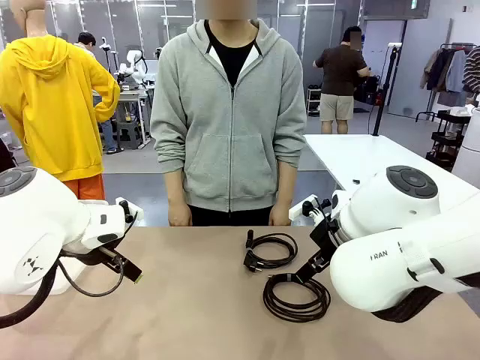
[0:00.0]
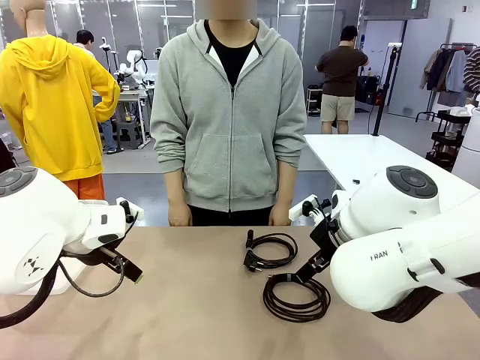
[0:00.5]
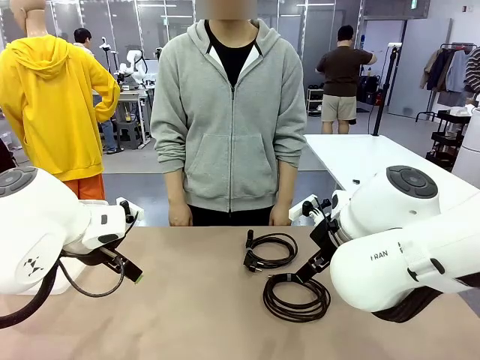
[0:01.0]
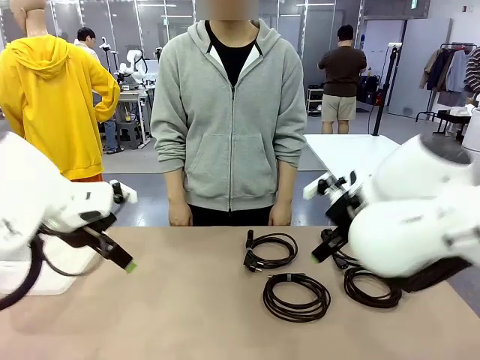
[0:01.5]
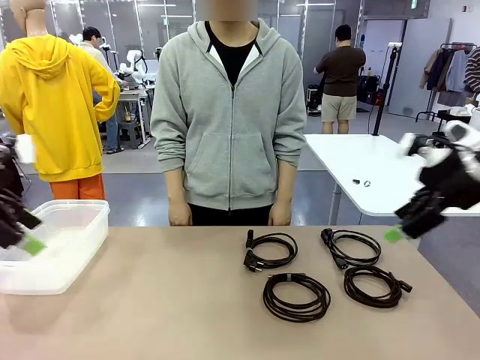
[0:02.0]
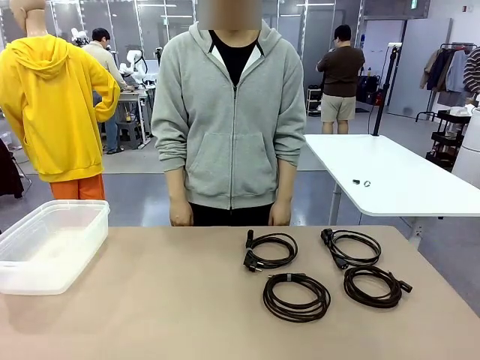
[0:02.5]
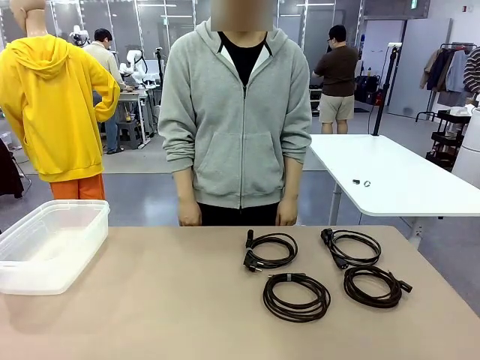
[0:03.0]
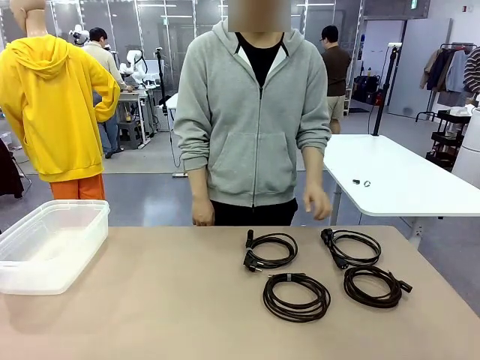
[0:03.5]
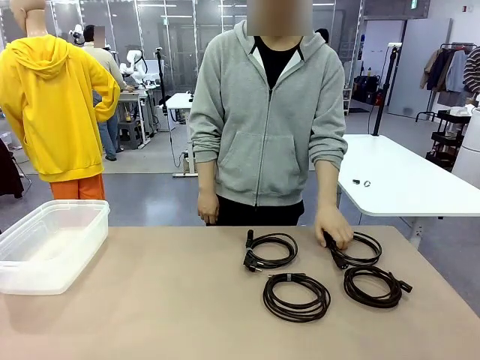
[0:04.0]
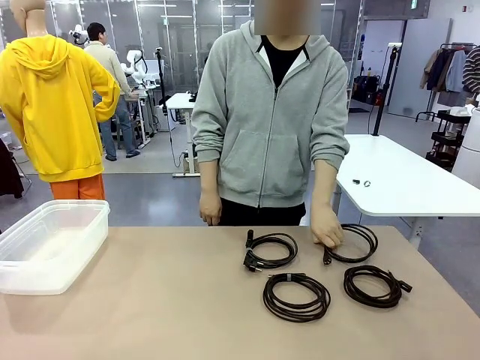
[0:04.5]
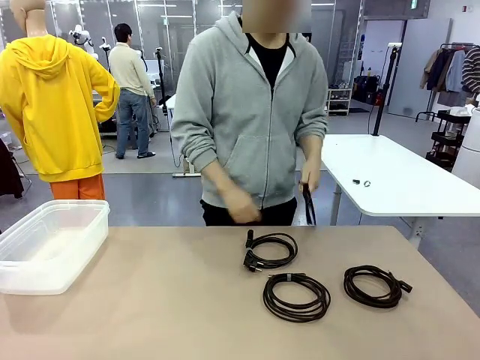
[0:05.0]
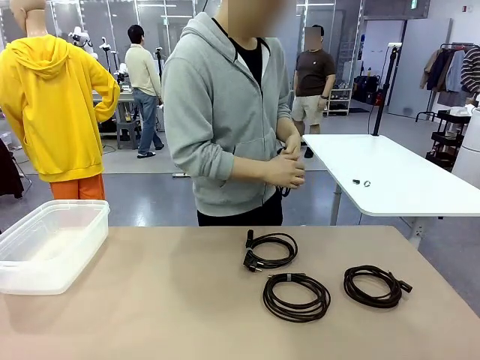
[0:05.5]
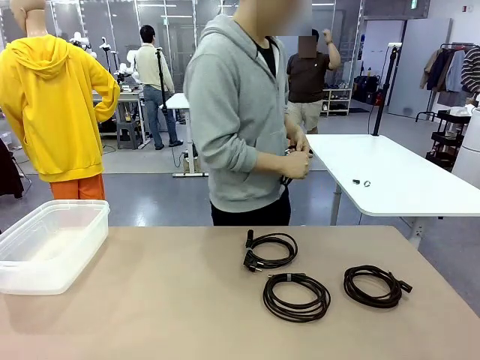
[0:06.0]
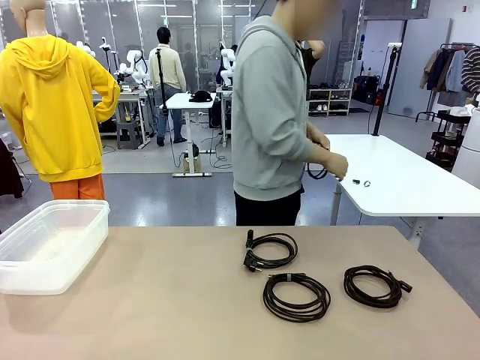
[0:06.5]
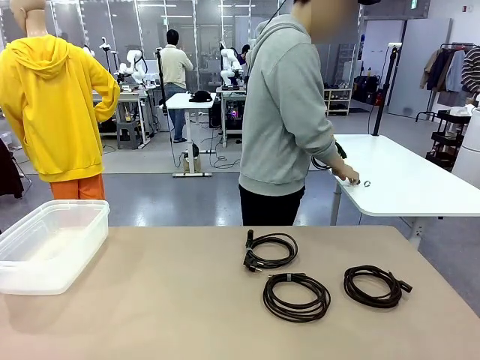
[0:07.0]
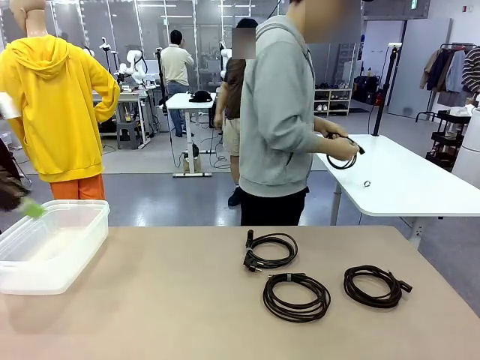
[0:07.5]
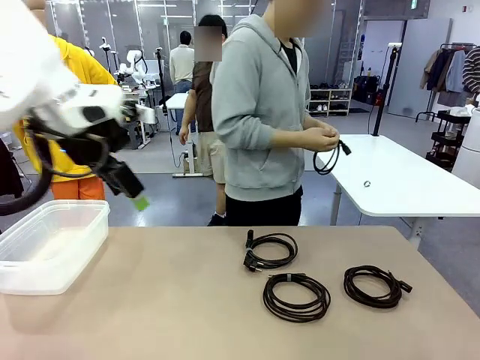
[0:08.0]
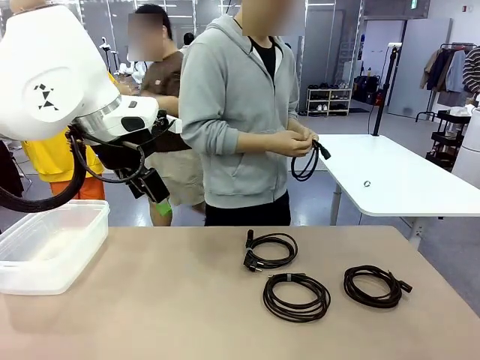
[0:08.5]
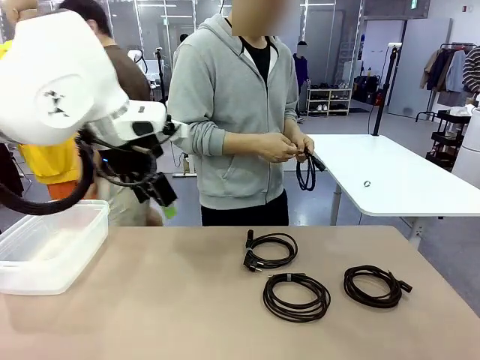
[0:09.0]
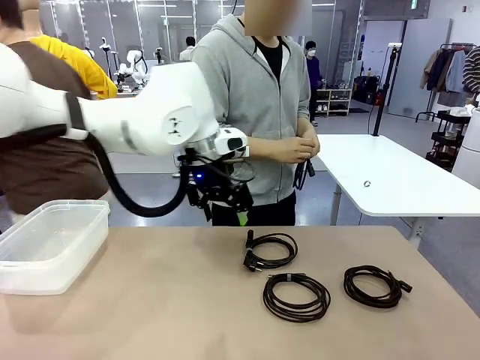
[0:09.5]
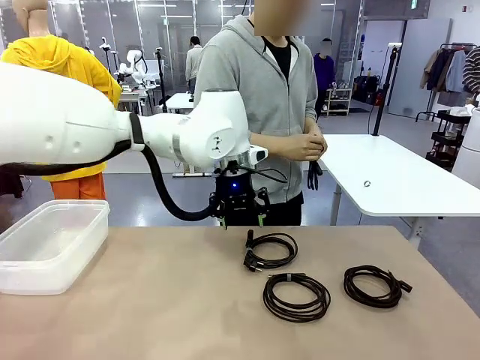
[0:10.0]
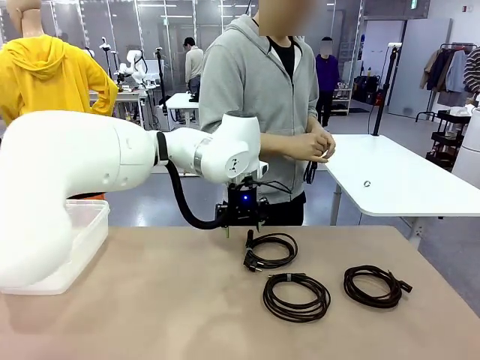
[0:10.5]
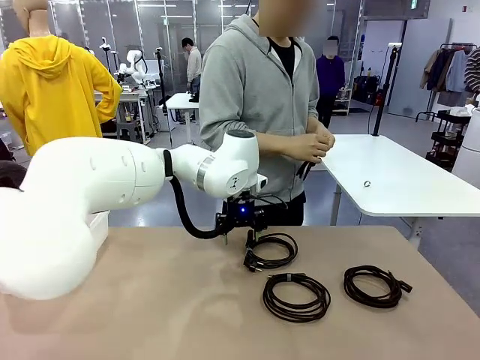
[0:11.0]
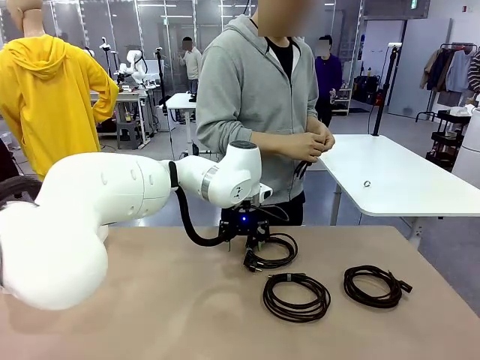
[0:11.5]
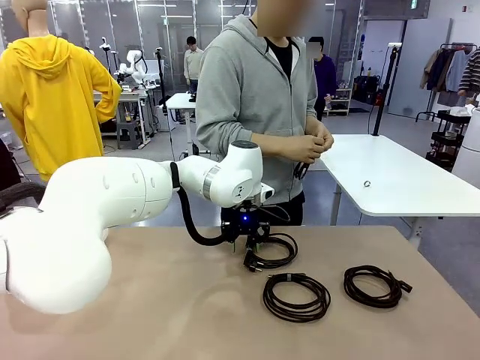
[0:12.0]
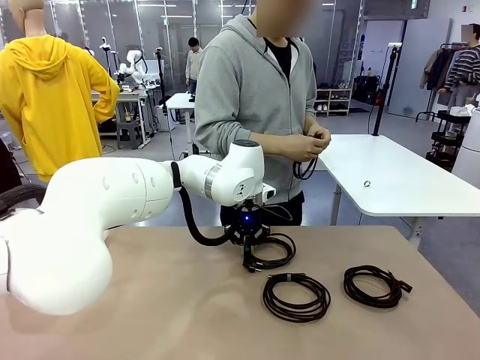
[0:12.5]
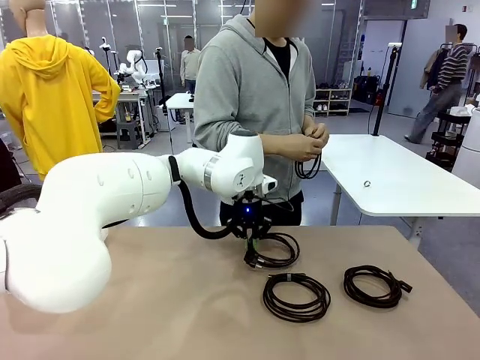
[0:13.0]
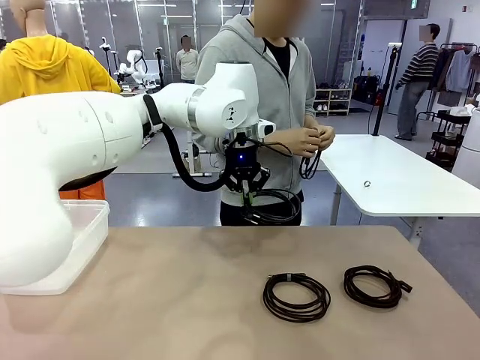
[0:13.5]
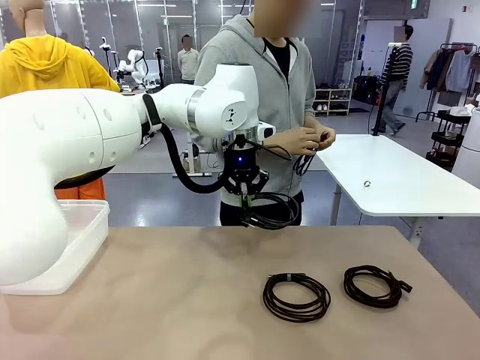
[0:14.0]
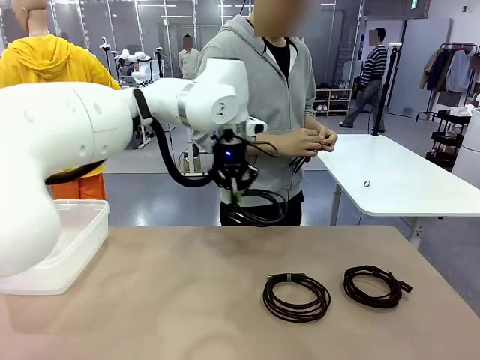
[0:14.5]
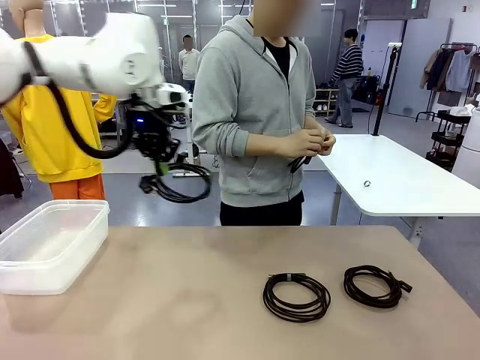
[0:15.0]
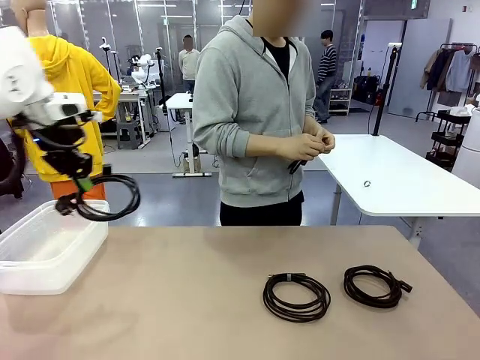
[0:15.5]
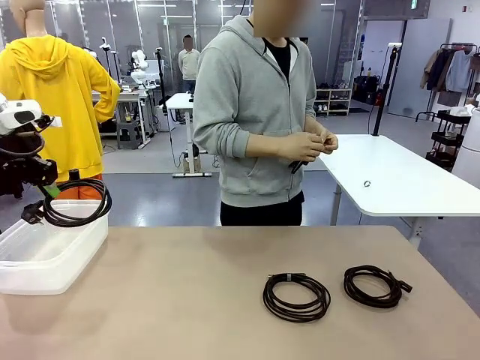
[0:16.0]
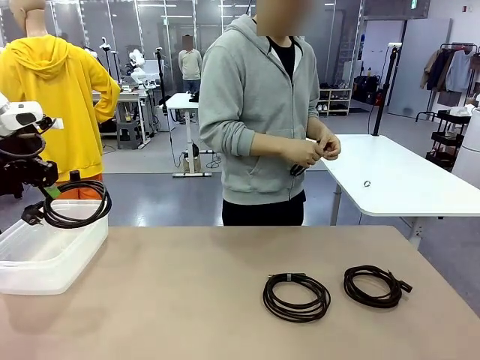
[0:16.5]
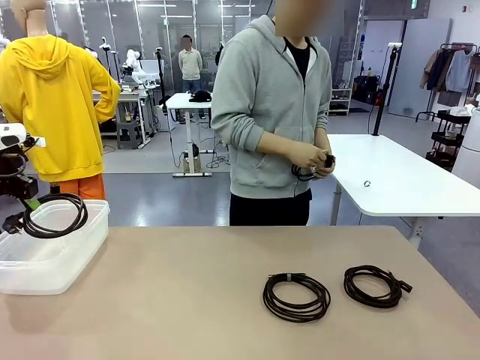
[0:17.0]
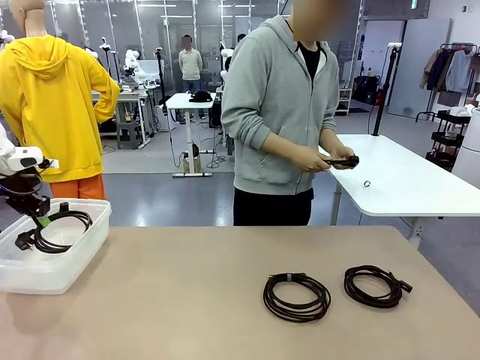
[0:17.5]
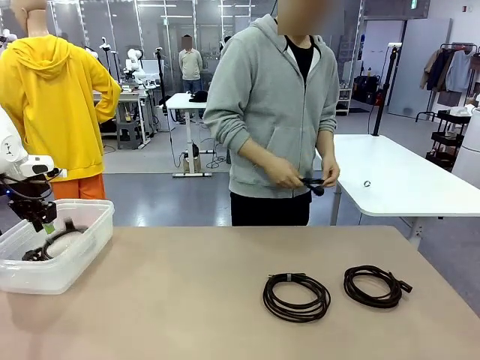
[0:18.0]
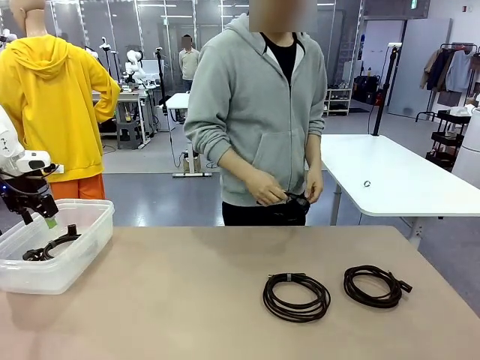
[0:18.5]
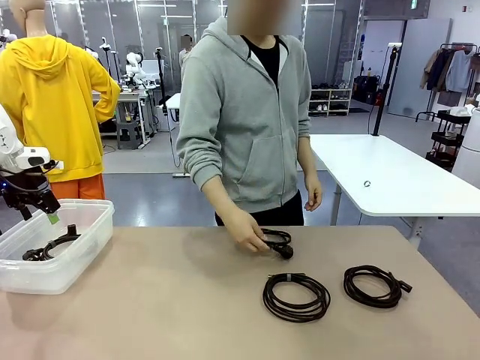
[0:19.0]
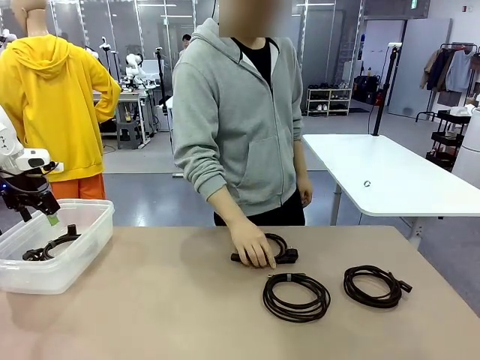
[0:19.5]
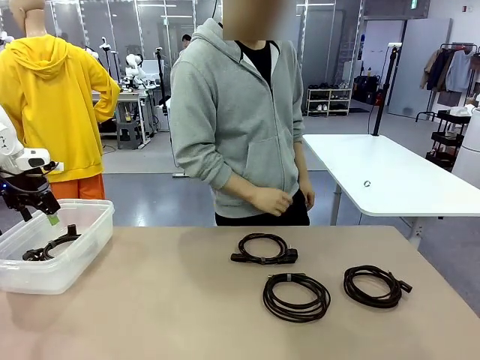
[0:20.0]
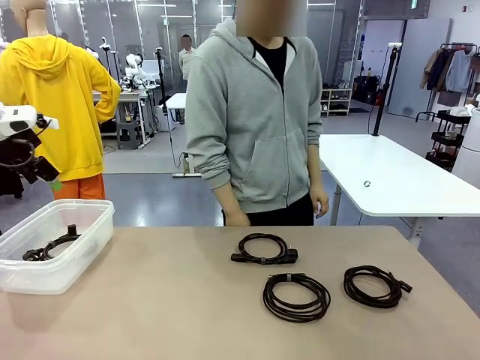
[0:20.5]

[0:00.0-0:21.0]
Task: Organize and store the cables.
Robot: Place the Power Cable into the Organizing box.
Person: Tie one Power Cable with a Reusable Cable Tie.

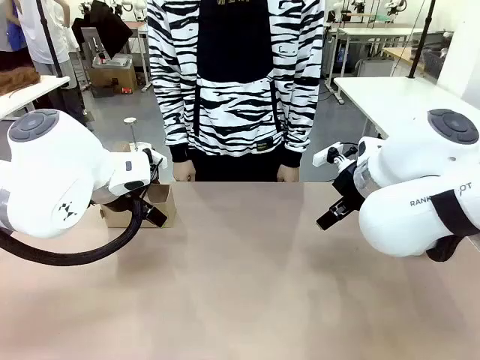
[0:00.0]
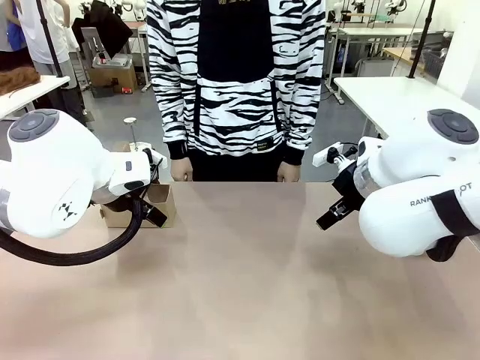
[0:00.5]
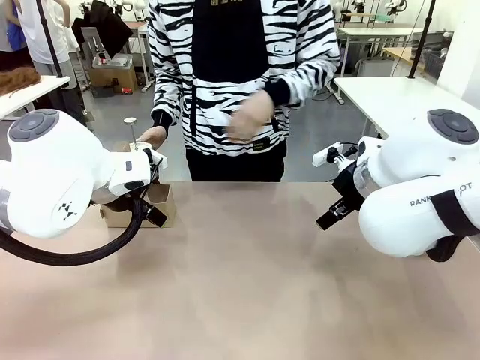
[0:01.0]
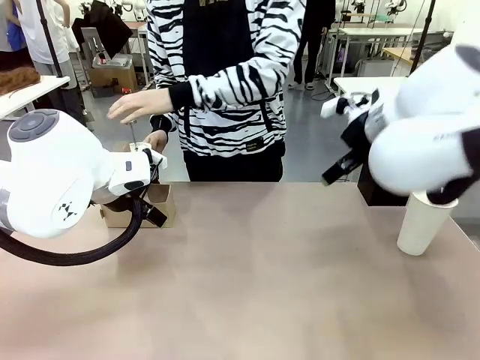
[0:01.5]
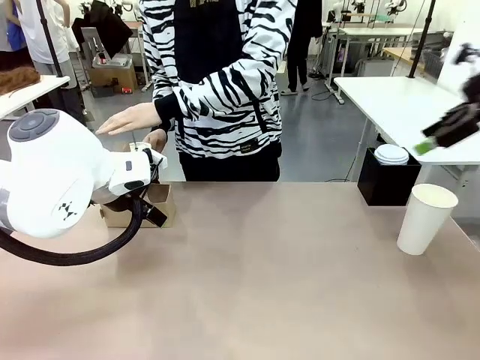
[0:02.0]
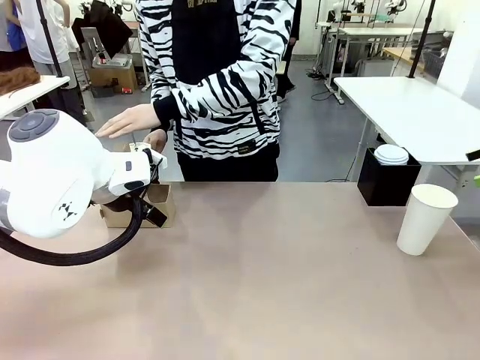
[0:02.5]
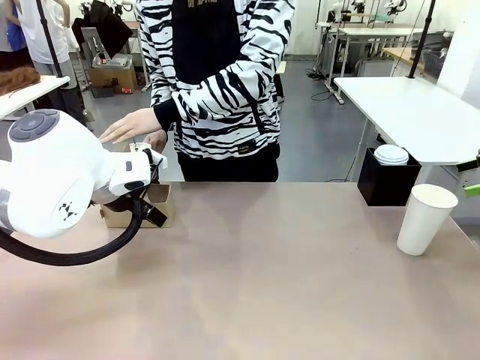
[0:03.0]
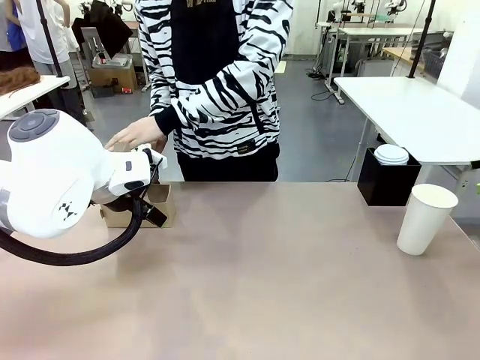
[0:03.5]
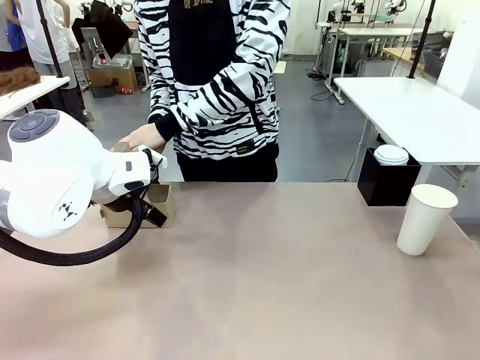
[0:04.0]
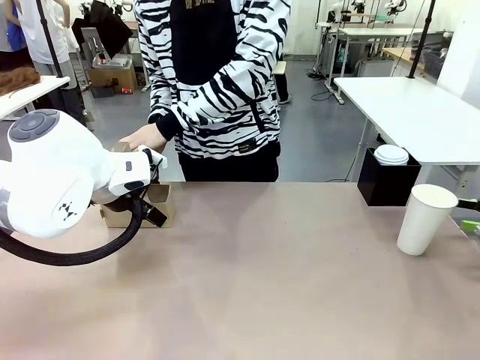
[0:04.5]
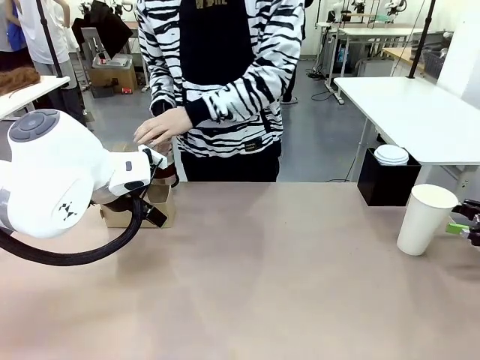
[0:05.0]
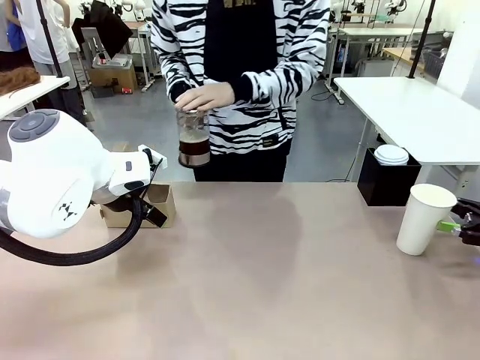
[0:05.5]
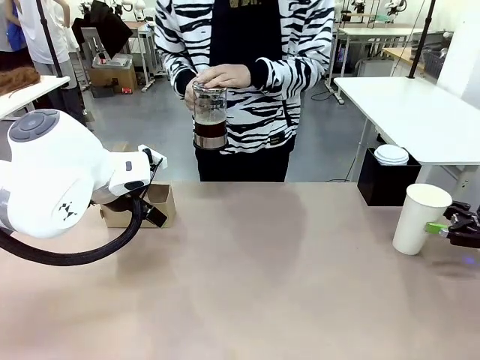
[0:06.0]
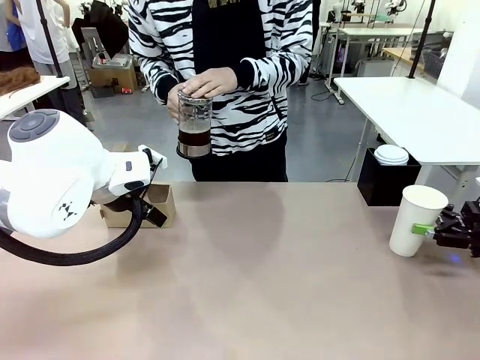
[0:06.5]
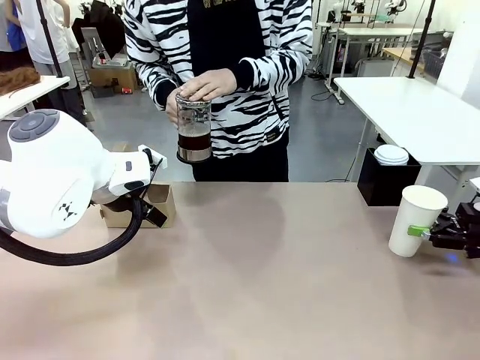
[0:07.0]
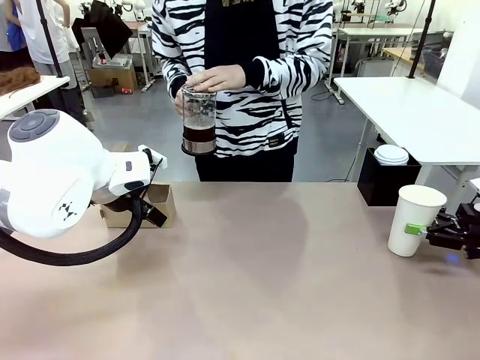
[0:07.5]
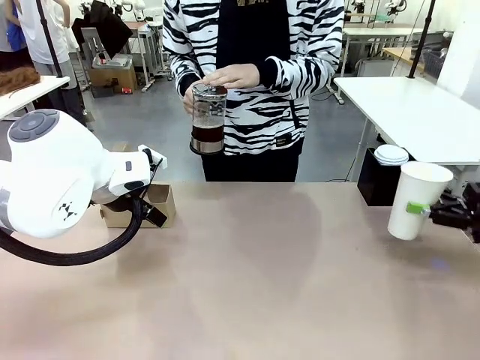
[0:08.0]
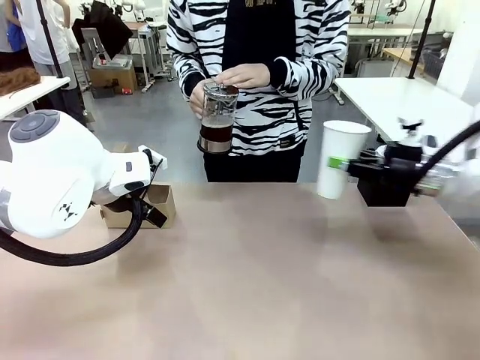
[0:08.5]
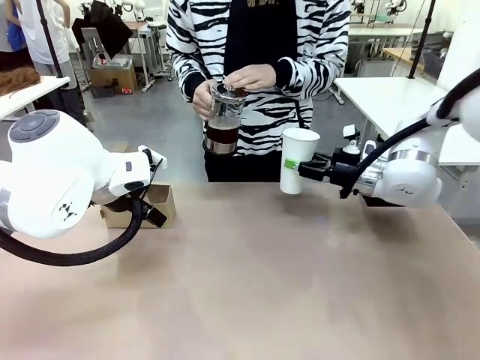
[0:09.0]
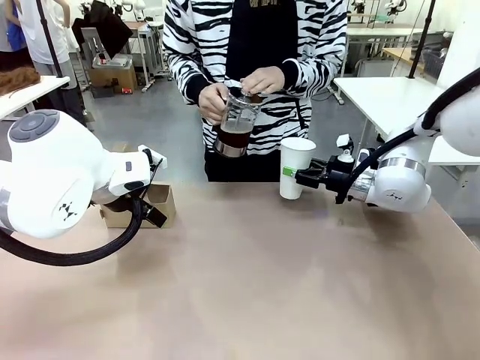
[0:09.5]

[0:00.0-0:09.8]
Task: Pour a drink into a cup and package it in a carrier.
Robot: Pick up the 600 ml Paper Cup and place it in the middle top area of the table.
Person: Press and pick up the Filter Brewing.
